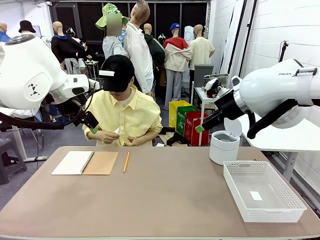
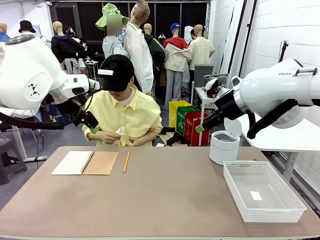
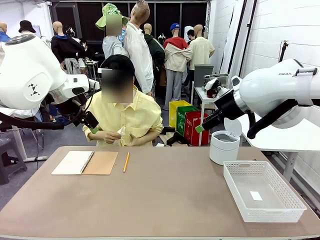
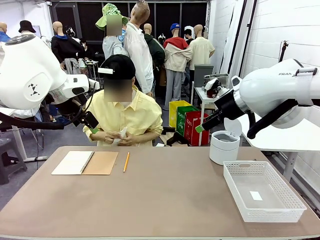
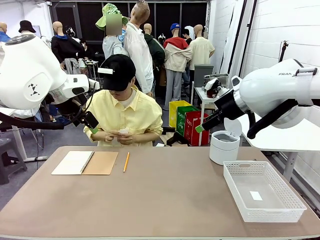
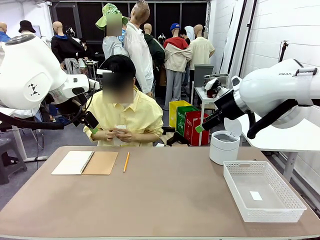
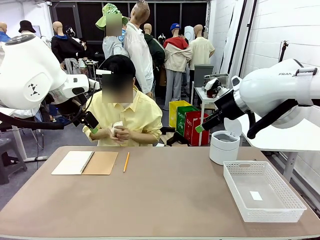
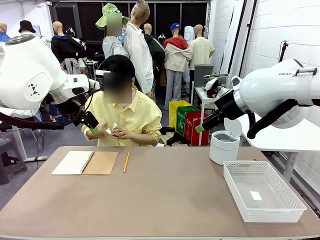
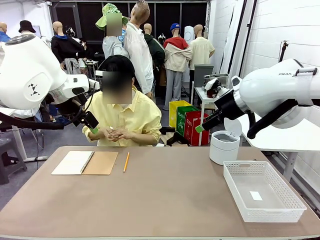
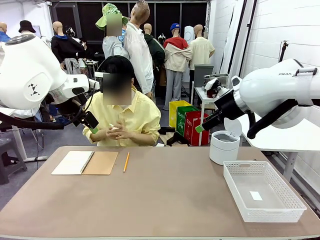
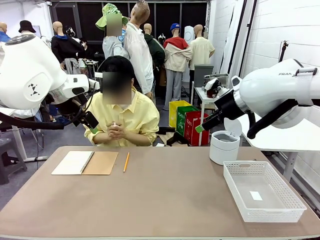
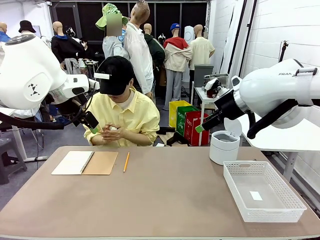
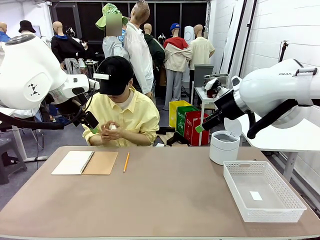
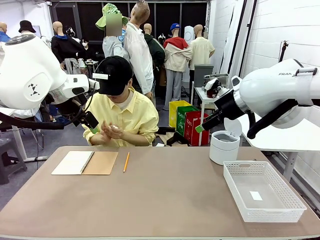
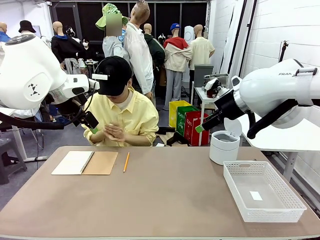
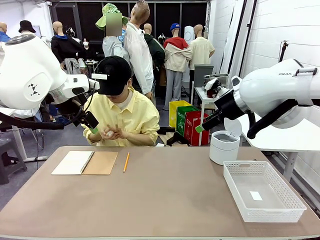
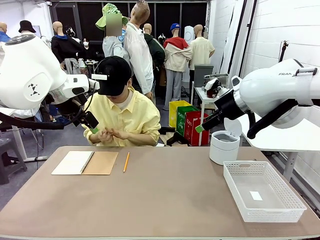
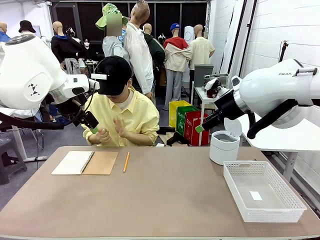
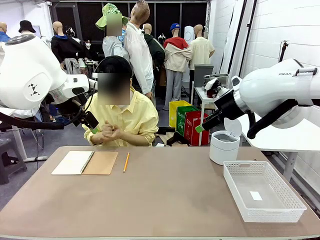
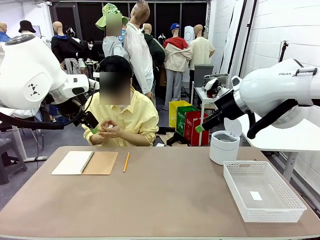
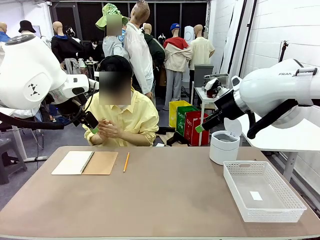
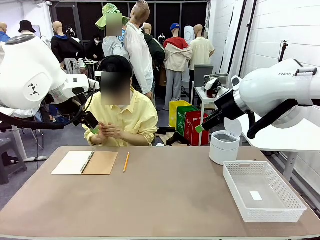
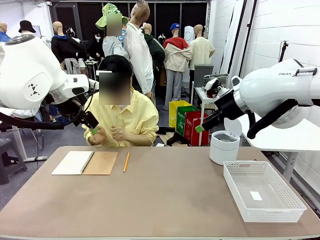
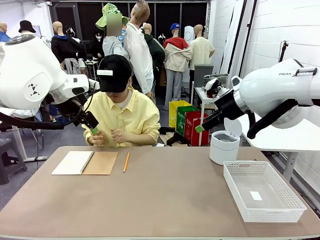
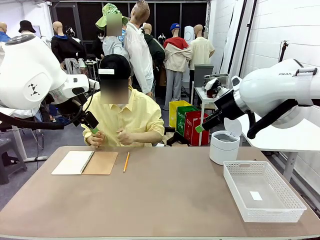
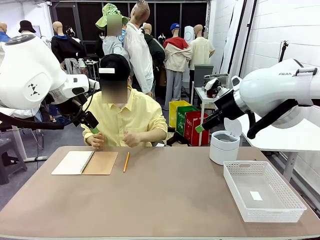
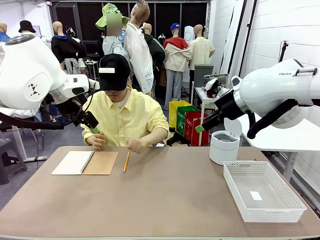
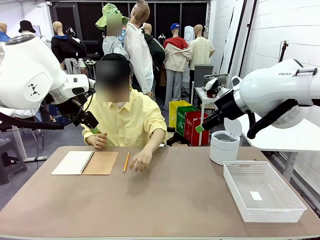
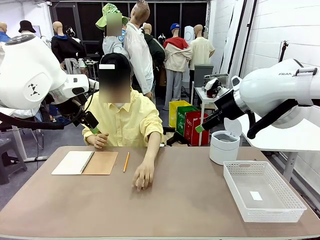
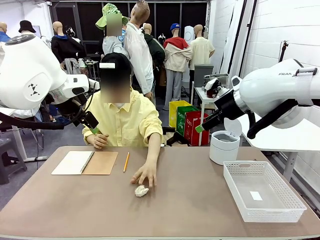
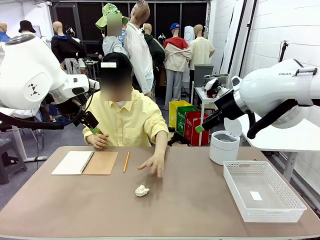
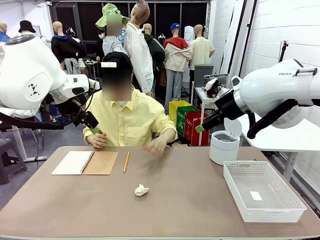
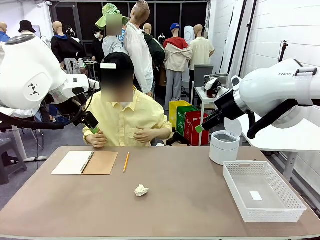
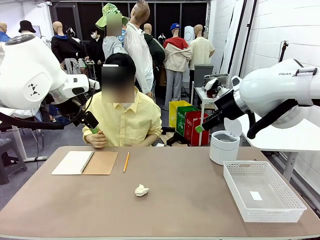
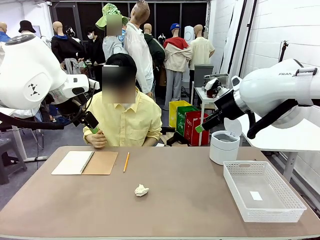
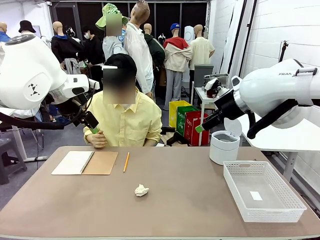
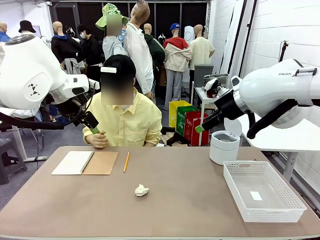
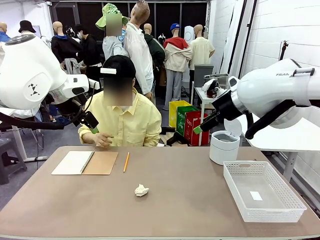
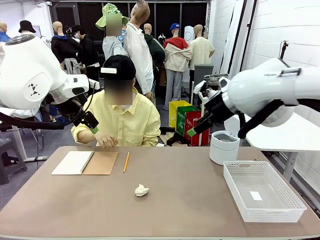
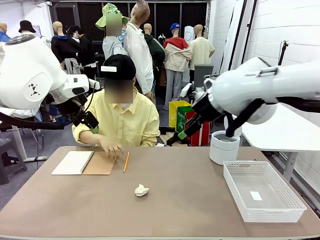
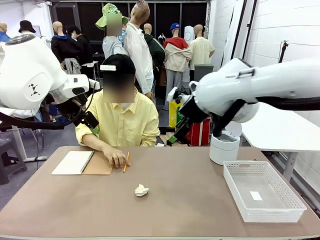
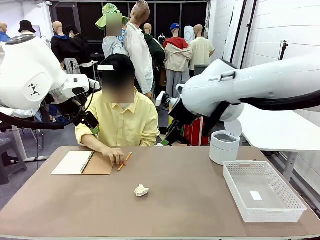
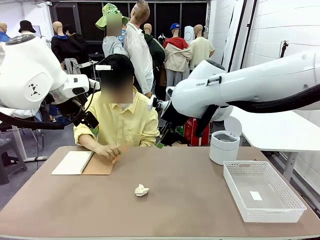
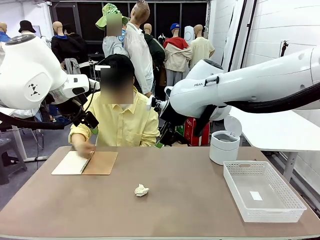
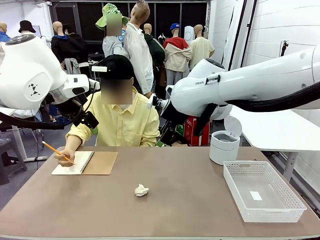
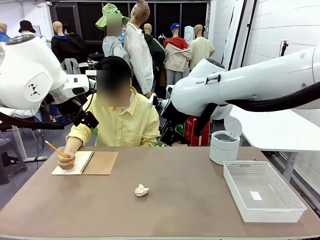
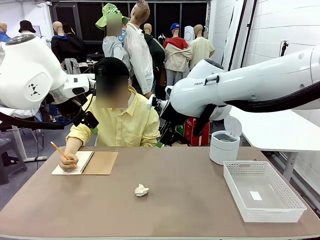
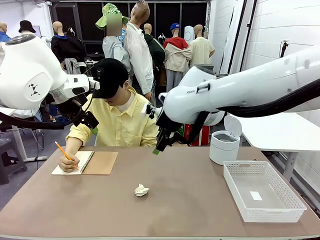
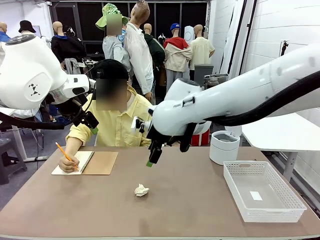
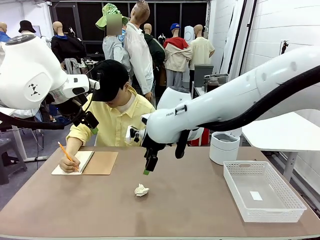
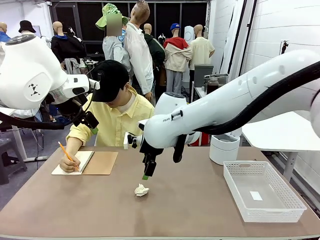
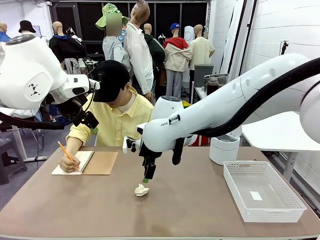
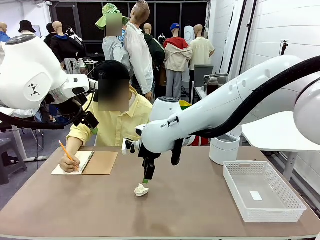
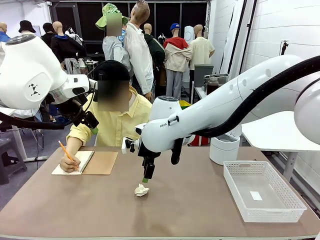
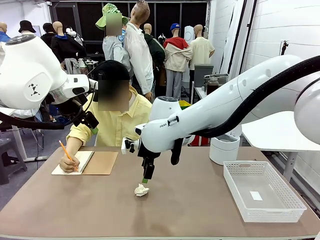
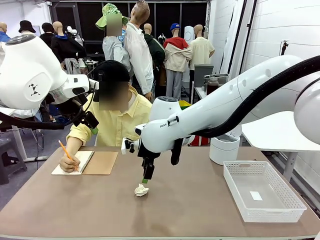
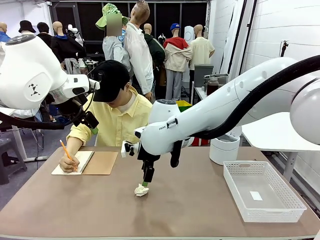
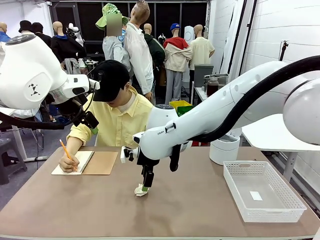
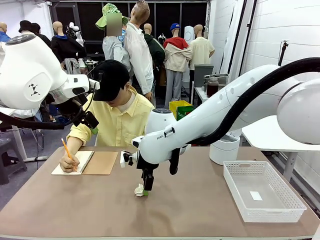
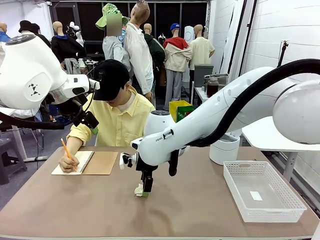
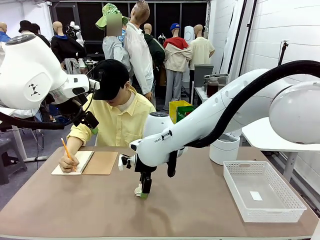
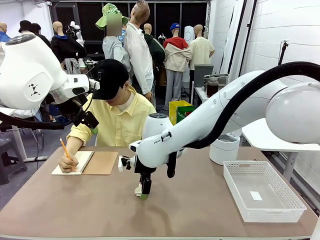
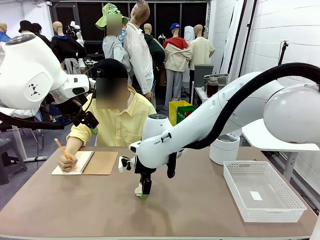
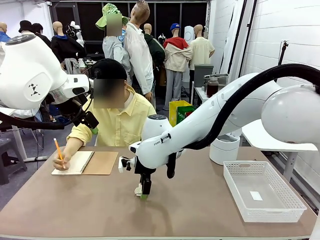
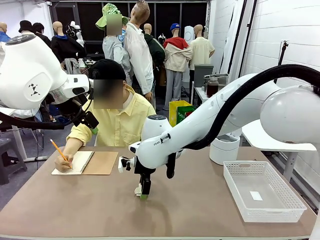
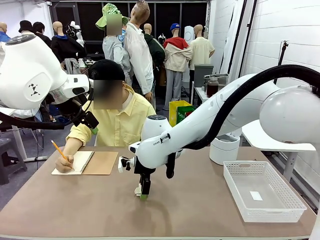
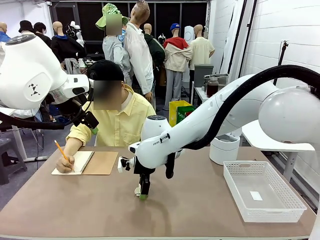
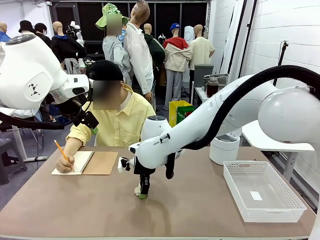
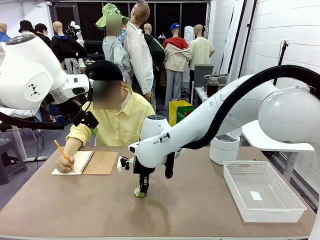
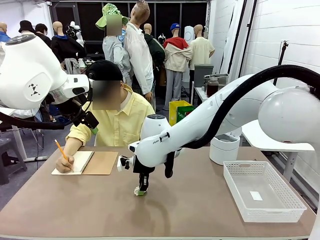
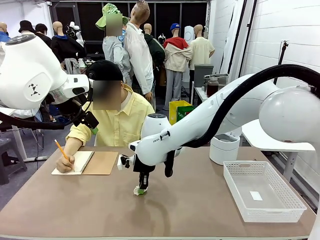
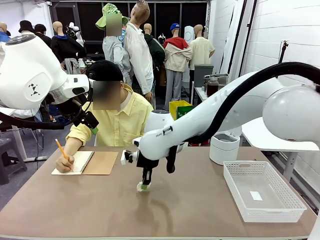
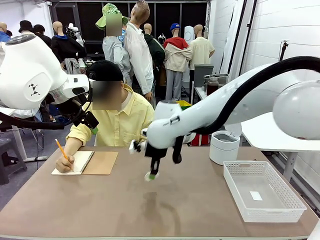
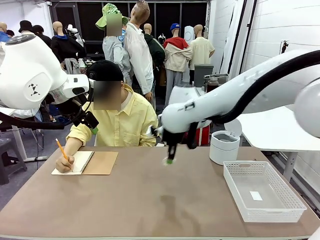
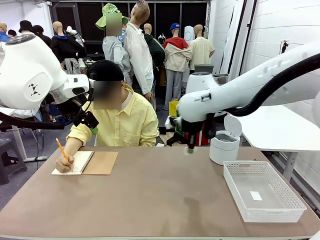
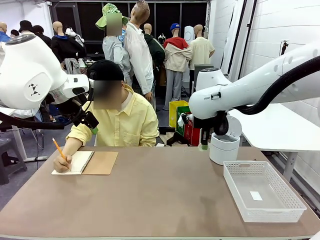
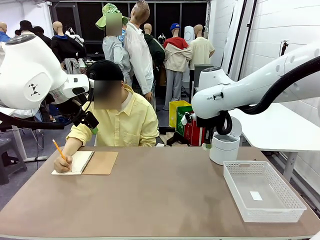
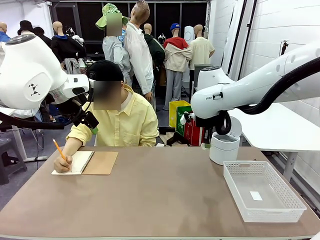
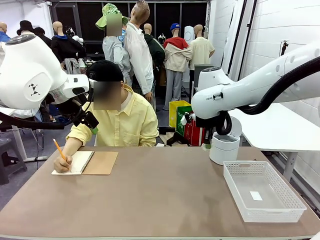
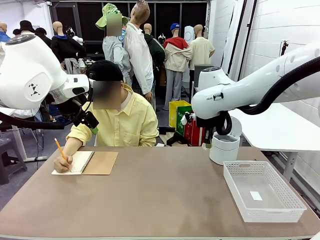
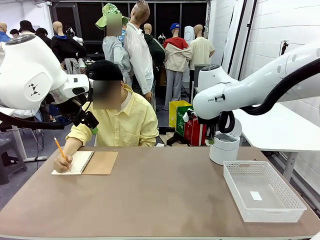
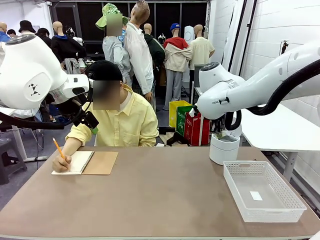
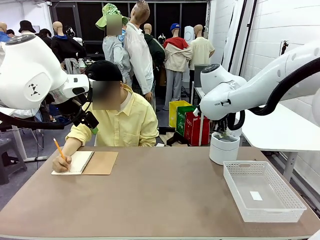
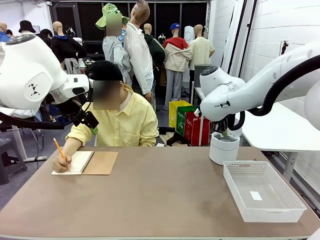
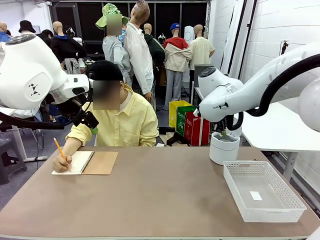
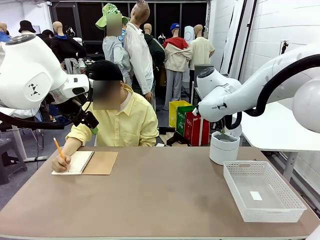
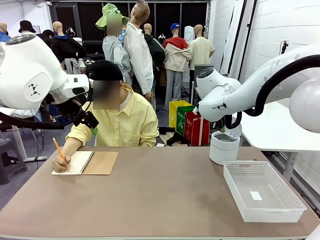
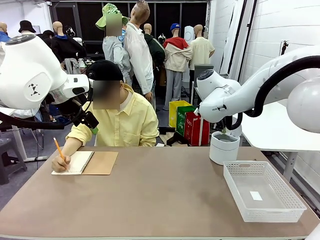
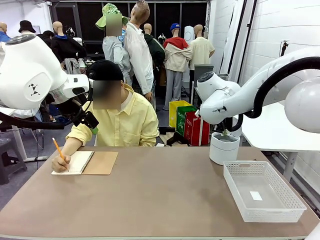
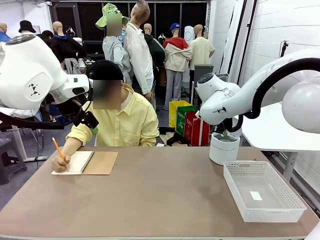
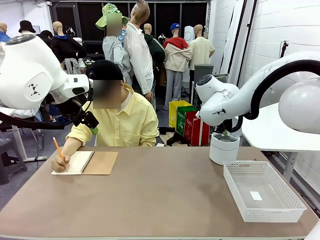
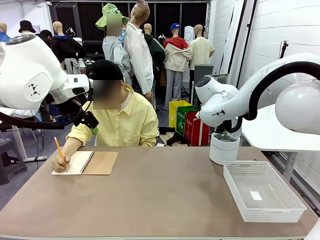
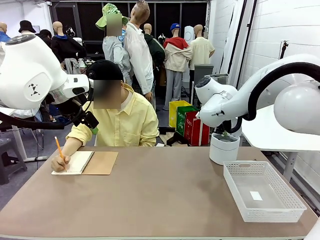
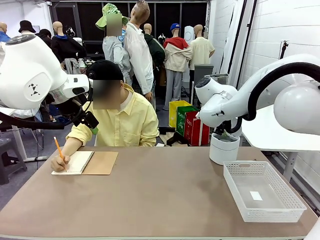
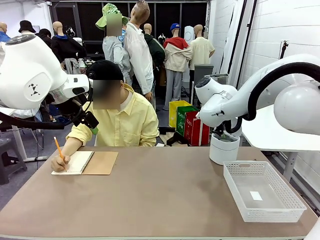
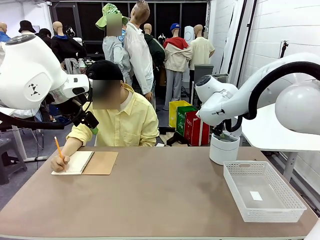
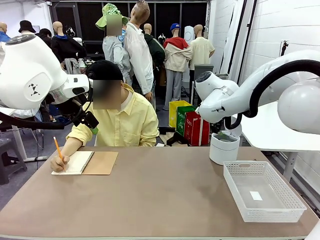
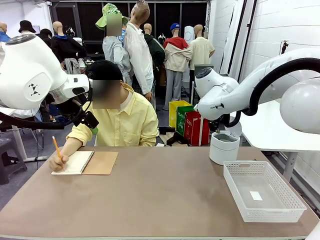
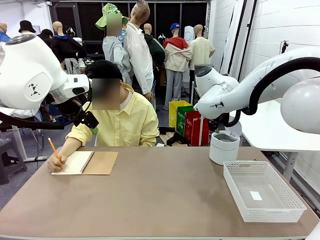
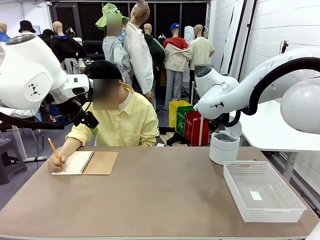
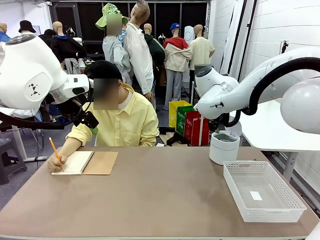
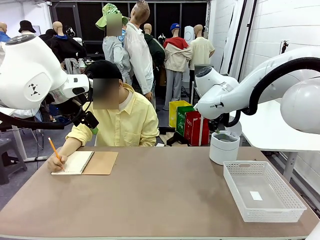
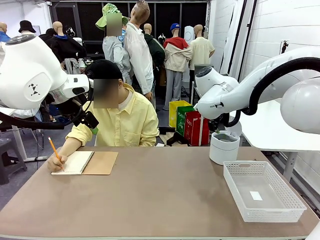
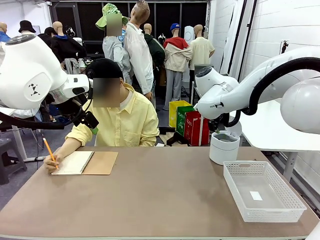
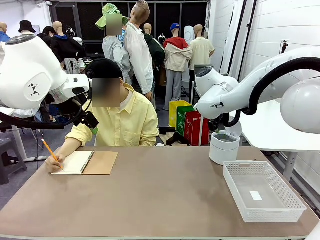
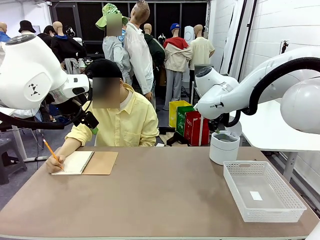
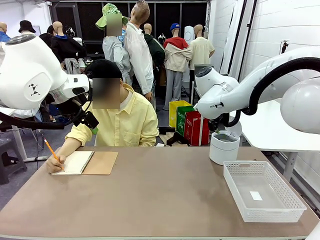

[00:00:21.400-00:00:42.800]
Task: Sort the paper based on its condition.
Robot: If a person hands you a paper, place it in the Organizing basket , and if it's crumpled, put it in the Trash can.
Person: Hand the torn page to the robot or crumple it and throw it to the center of the table. Tear out a page from the spiral notebook.
